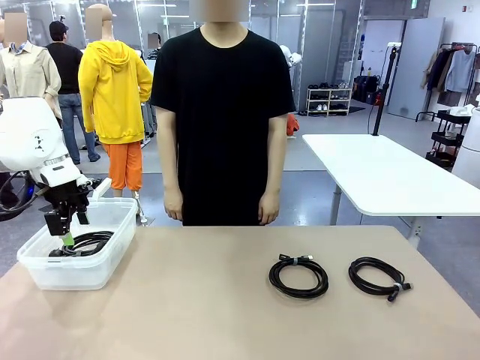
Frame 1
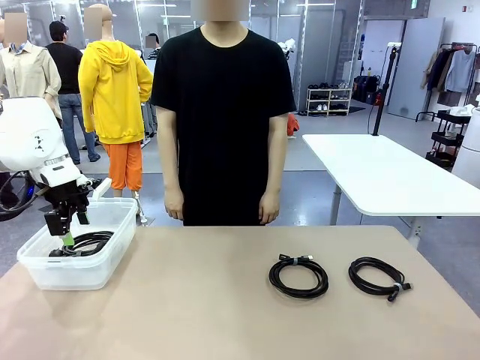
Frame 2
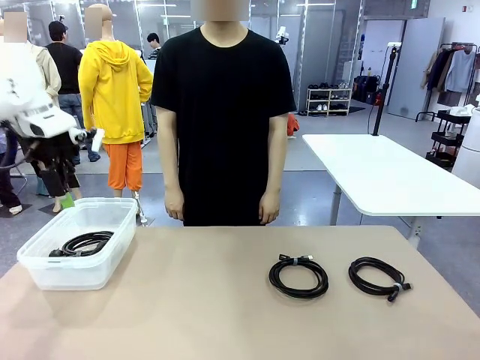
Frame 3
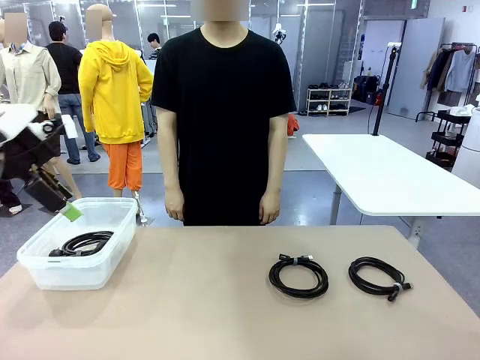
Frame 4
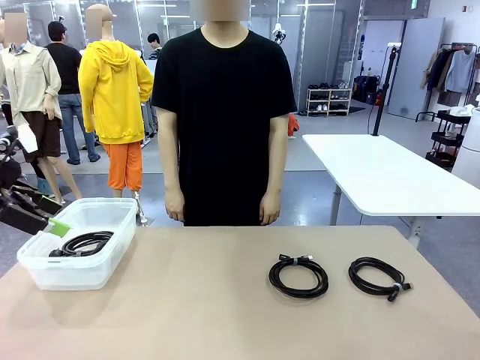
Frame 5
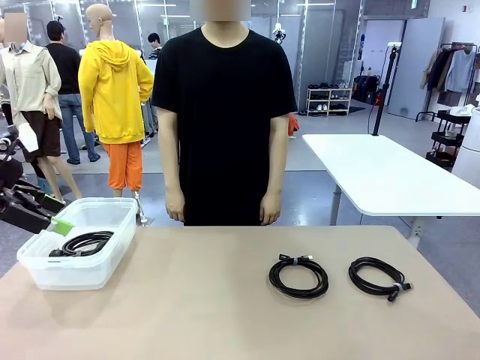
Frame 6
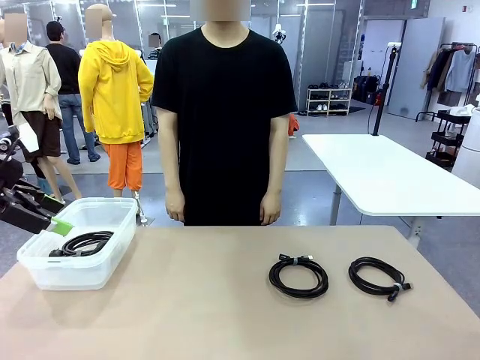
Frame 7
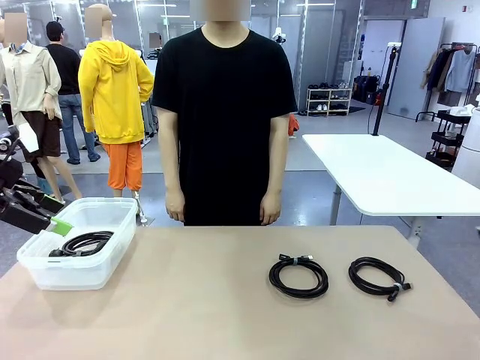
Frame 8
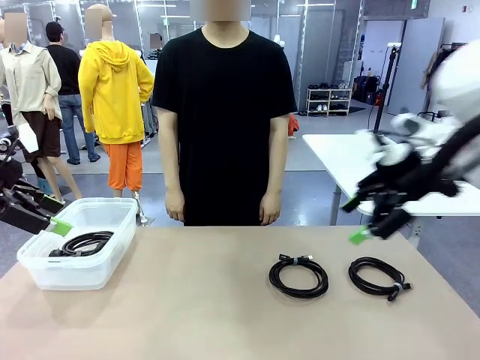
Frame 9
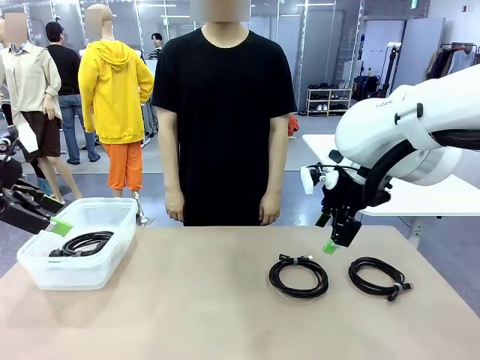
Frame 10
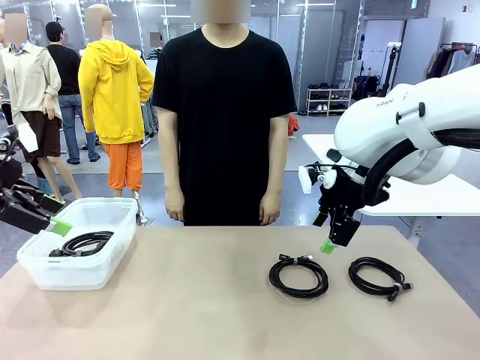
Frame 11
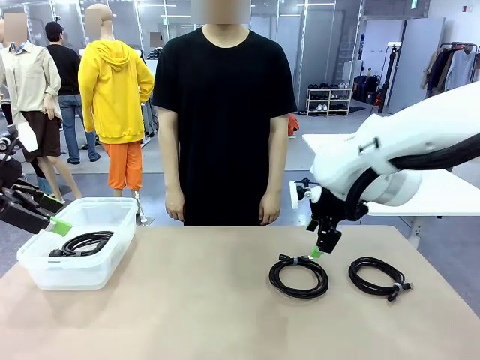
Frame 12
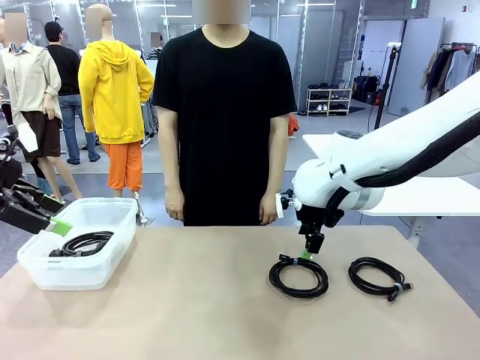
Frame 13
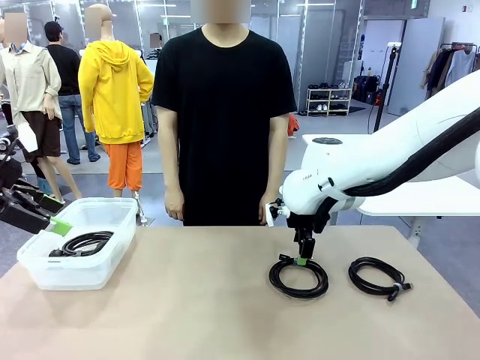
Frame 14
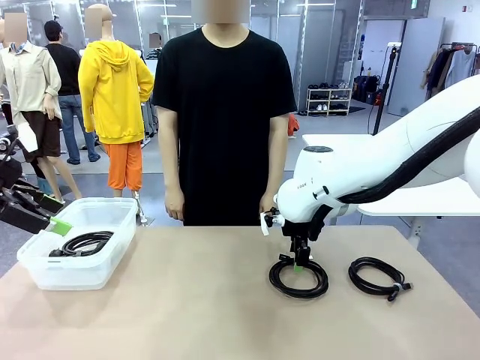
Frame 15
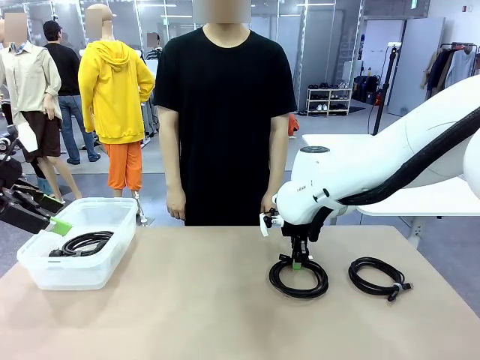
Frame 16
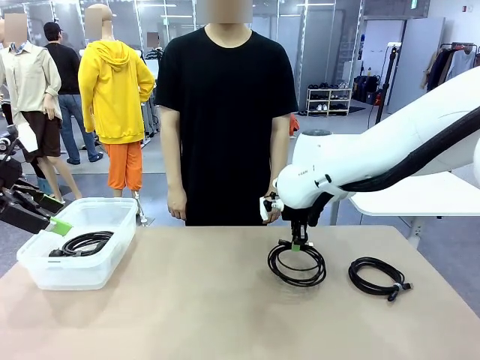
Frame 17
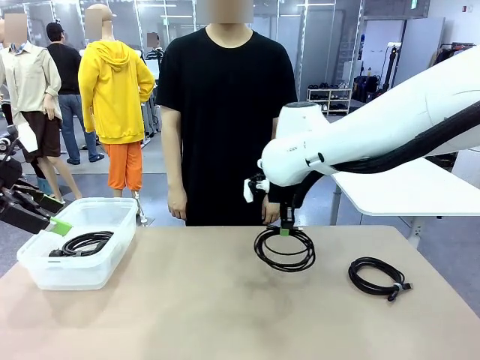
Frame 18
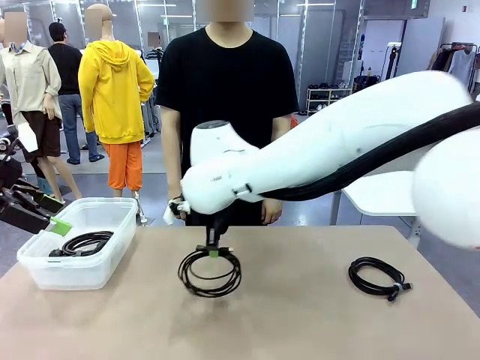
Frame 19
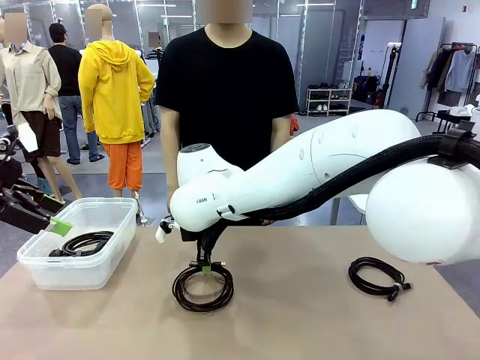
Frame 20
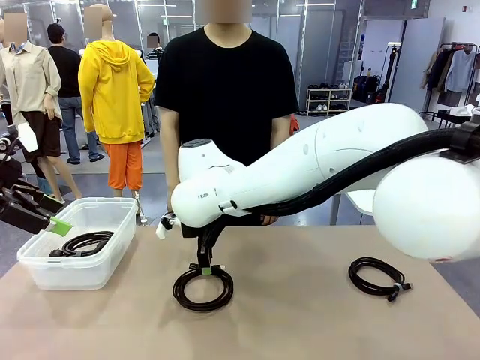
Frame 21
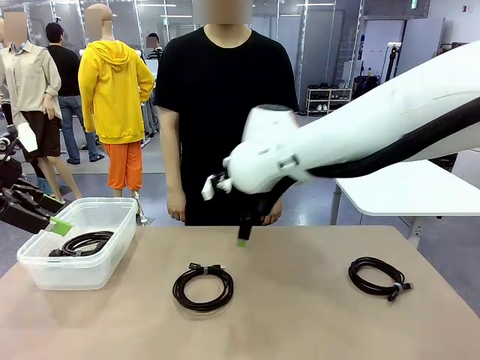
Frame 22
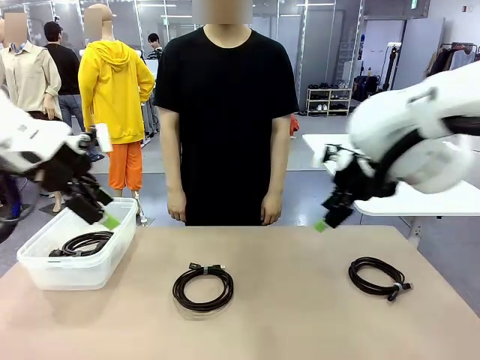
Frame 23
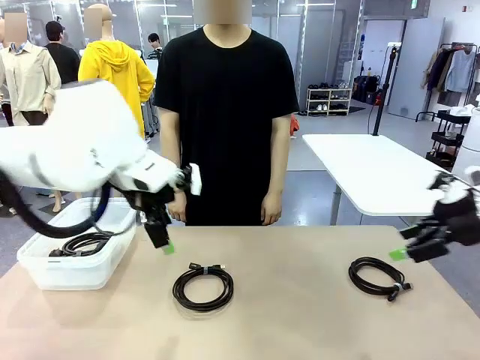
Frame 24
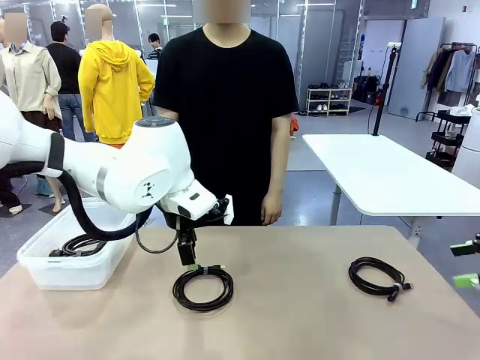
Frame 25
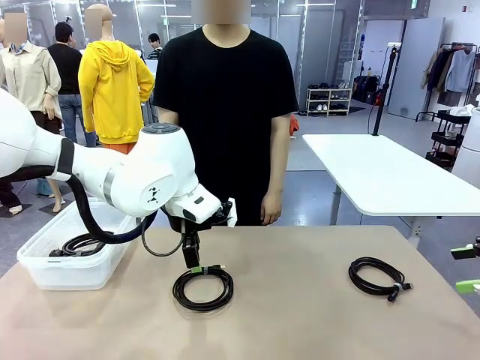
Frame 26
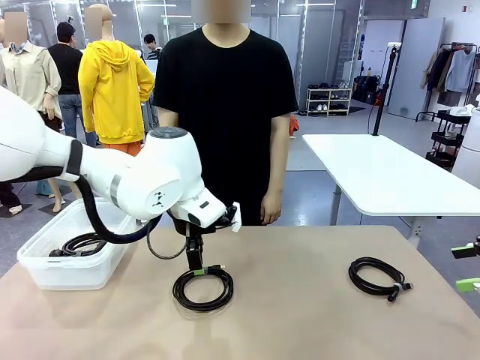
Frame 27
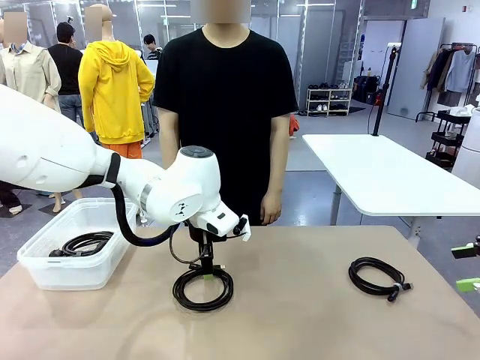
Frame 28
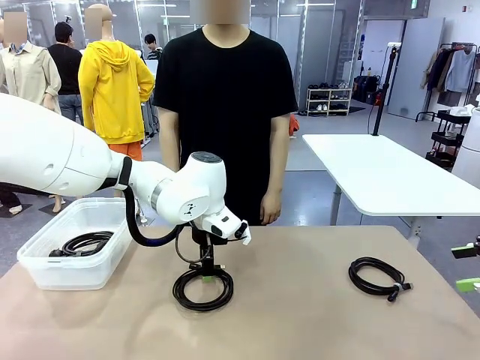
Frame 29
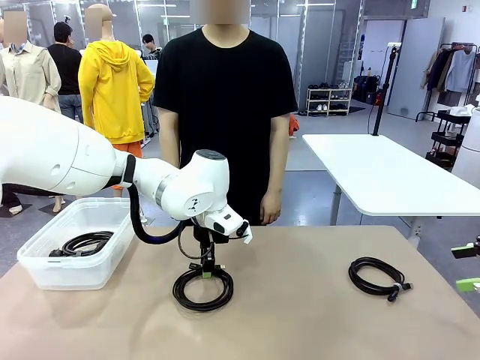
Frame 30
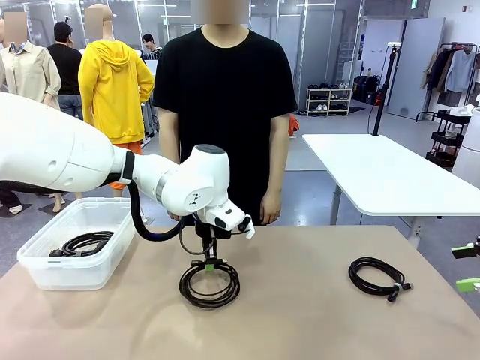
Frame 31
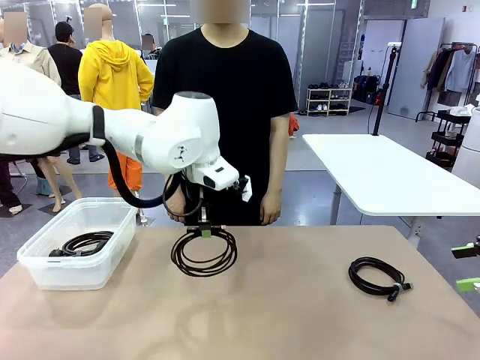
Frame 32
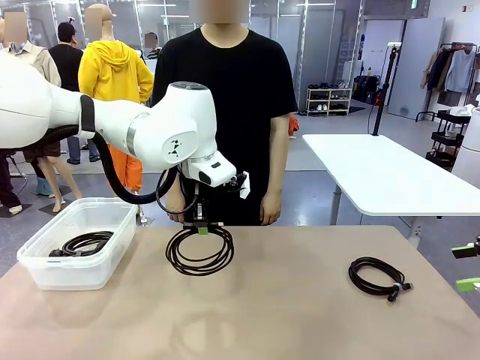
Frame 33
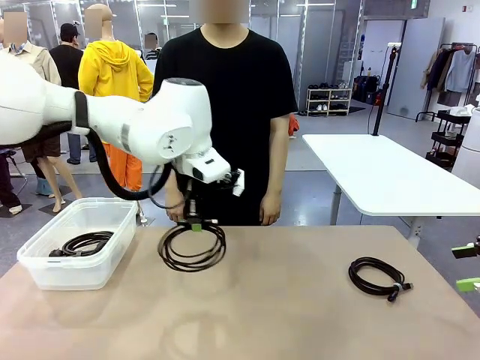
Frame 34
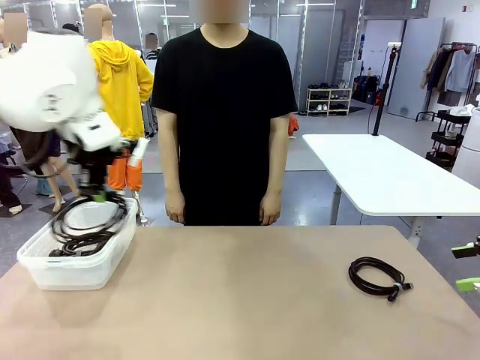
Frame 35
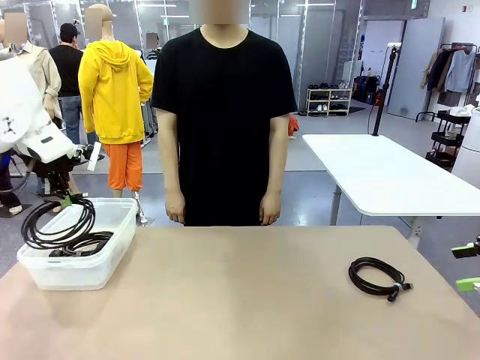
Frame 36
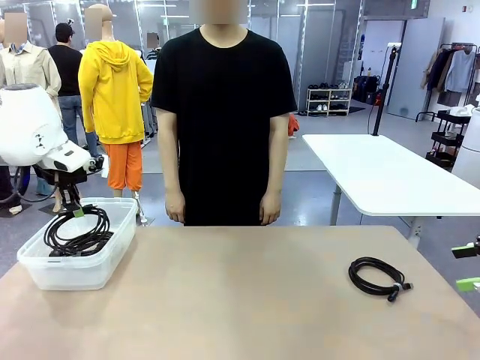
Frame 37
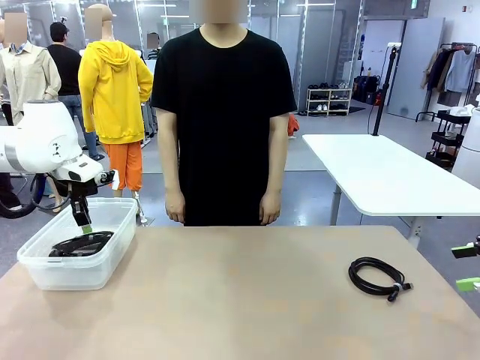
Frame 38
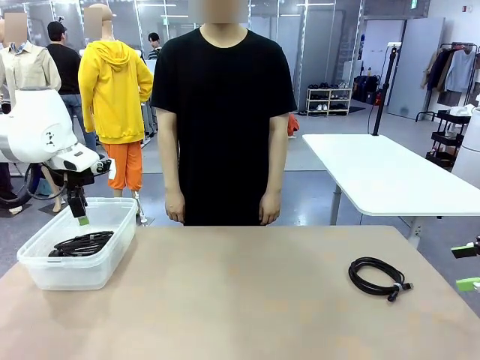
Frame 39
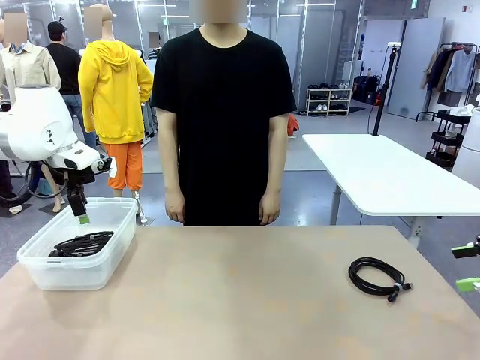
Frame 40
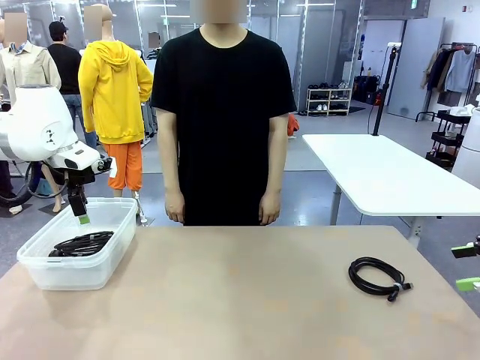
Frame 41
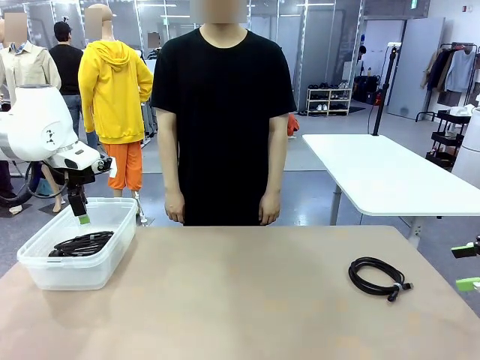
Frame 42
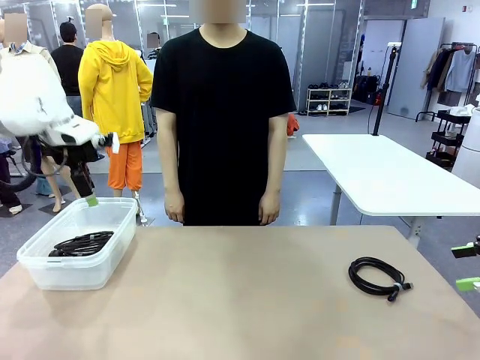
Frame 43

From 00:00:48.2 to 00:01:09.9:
Task: Organize and store the cables.
Robot: Place the USB Extension Cable into the Organizing box.
